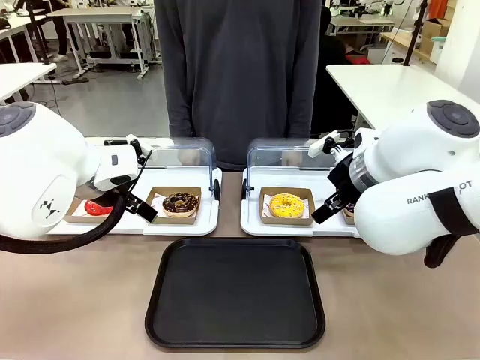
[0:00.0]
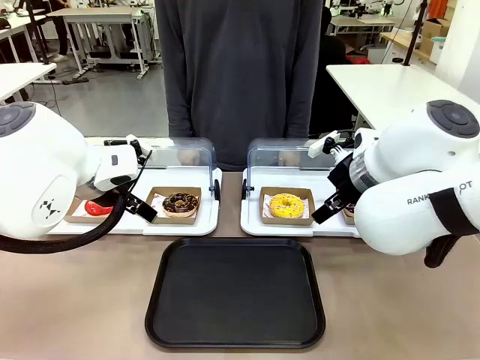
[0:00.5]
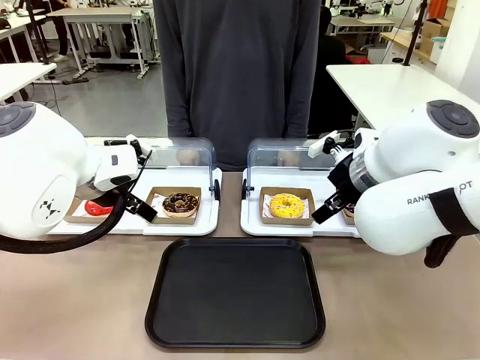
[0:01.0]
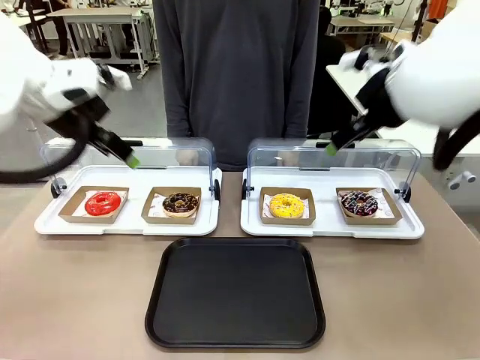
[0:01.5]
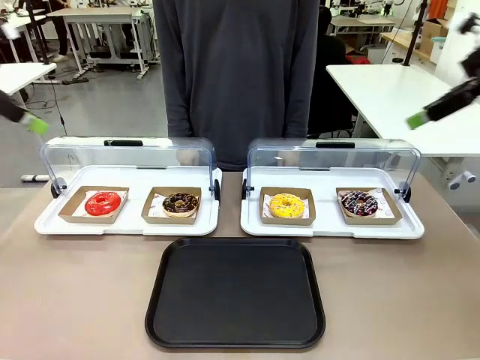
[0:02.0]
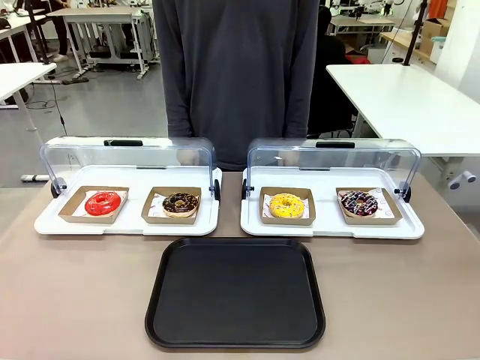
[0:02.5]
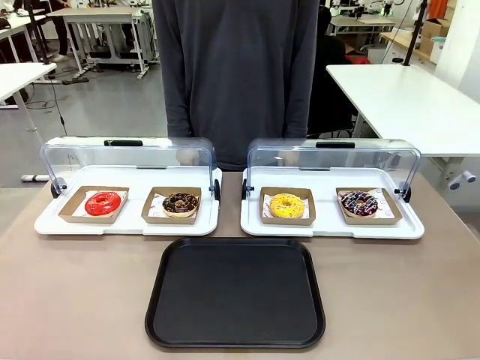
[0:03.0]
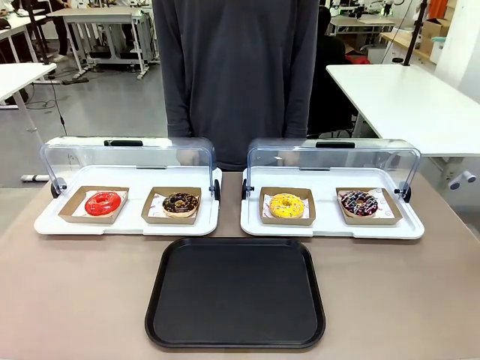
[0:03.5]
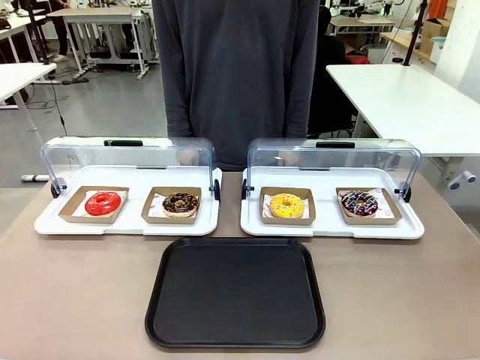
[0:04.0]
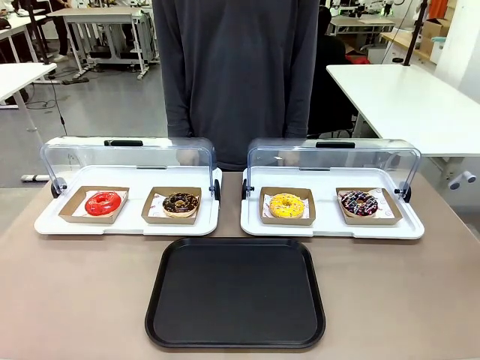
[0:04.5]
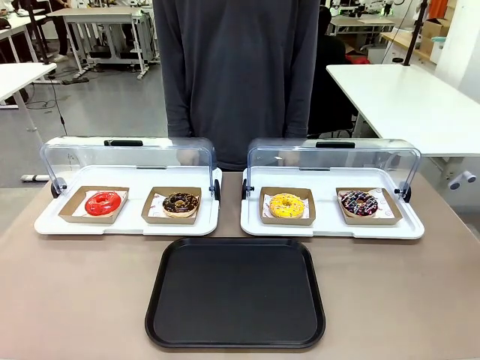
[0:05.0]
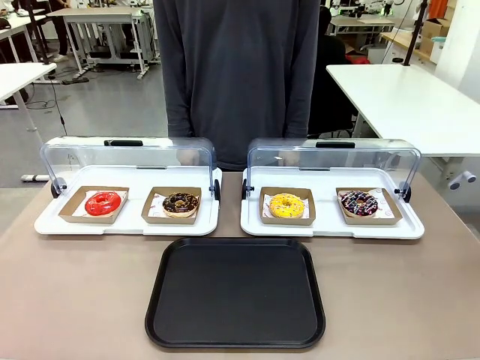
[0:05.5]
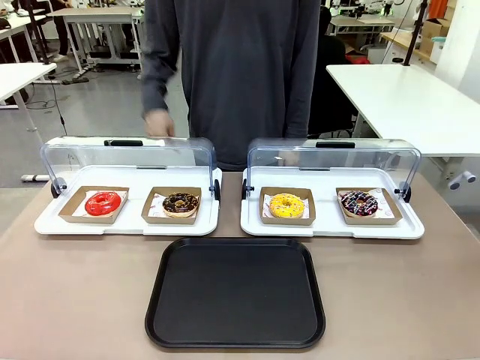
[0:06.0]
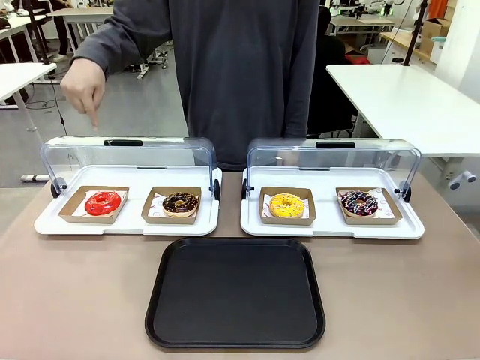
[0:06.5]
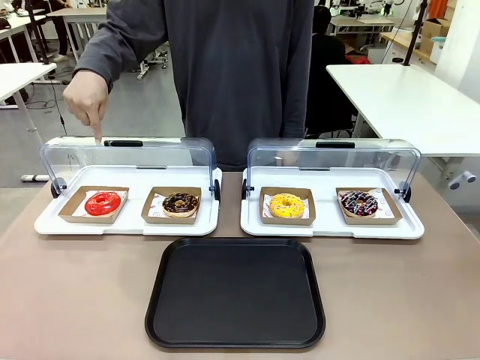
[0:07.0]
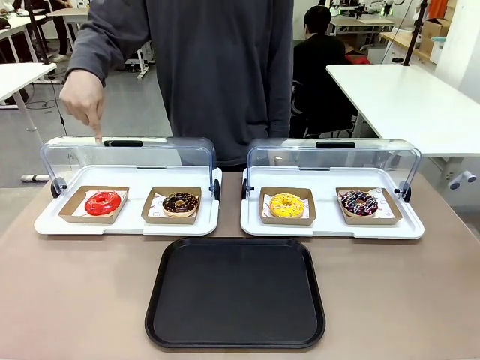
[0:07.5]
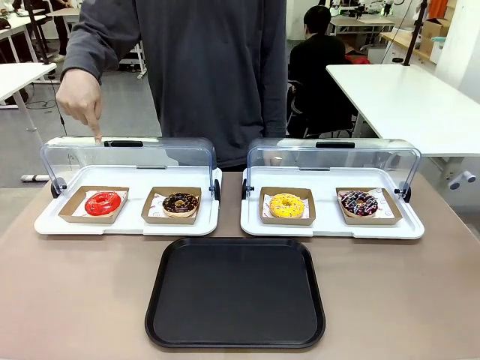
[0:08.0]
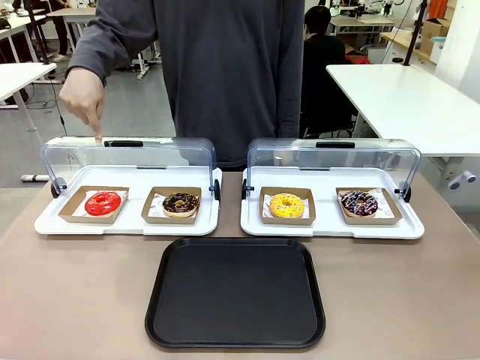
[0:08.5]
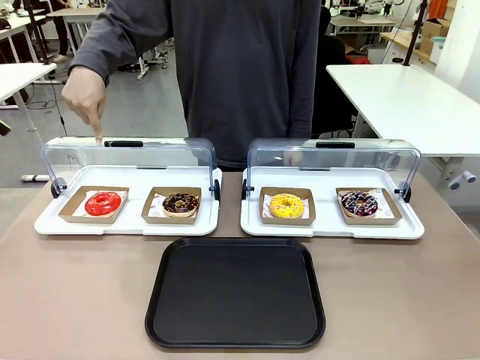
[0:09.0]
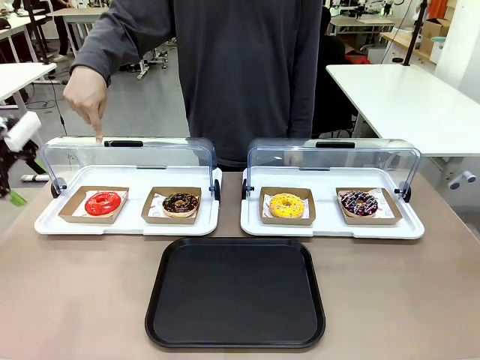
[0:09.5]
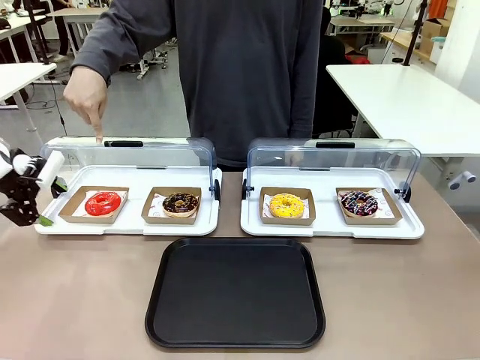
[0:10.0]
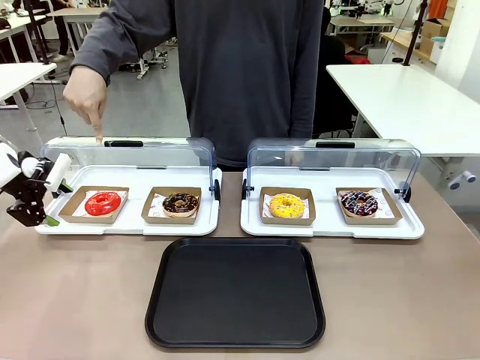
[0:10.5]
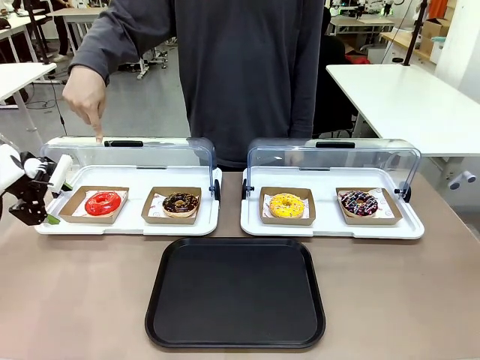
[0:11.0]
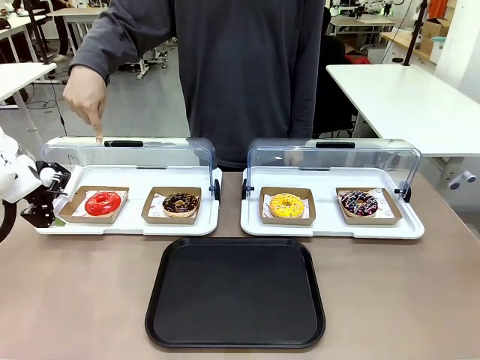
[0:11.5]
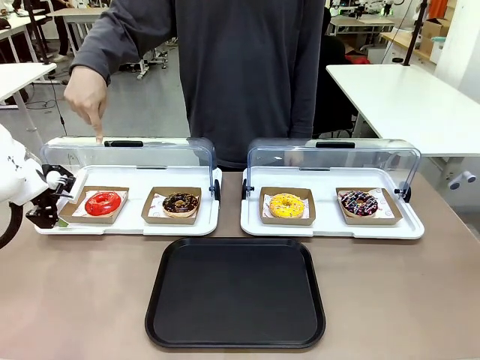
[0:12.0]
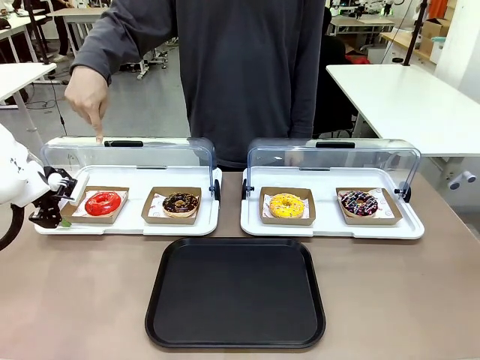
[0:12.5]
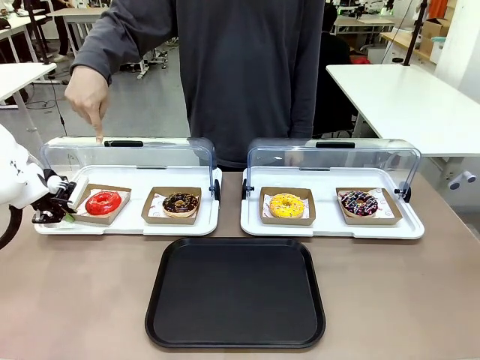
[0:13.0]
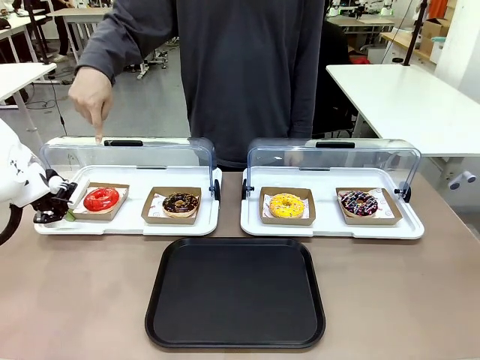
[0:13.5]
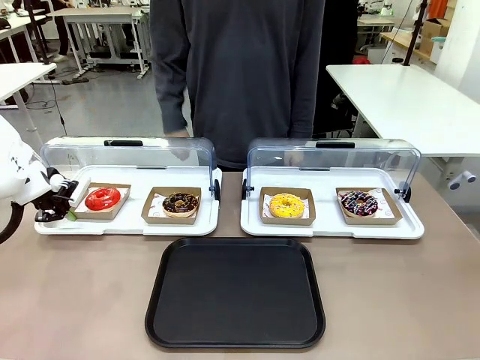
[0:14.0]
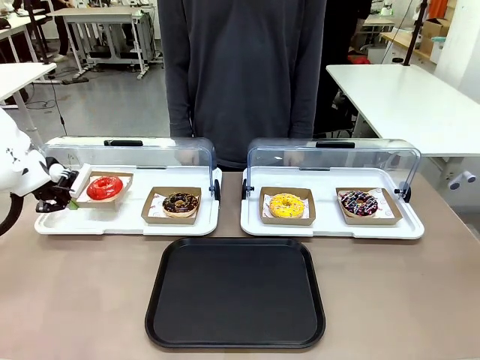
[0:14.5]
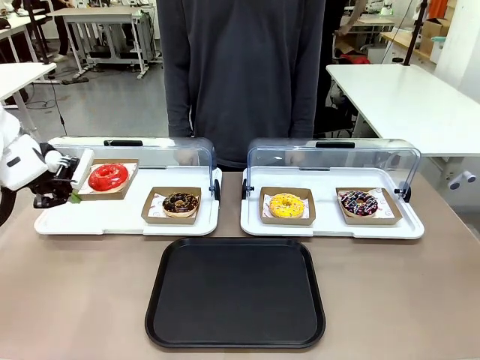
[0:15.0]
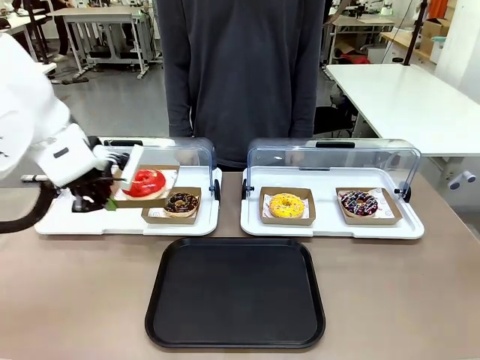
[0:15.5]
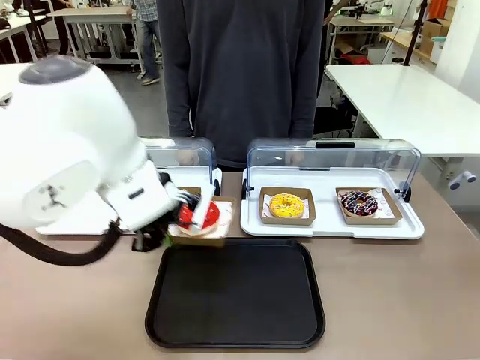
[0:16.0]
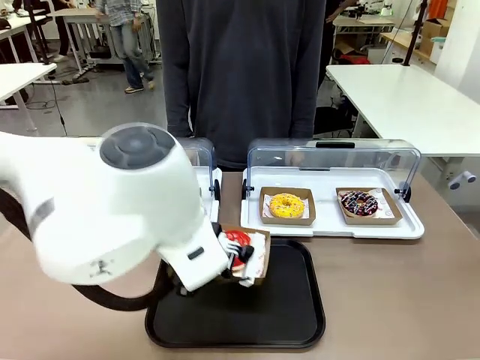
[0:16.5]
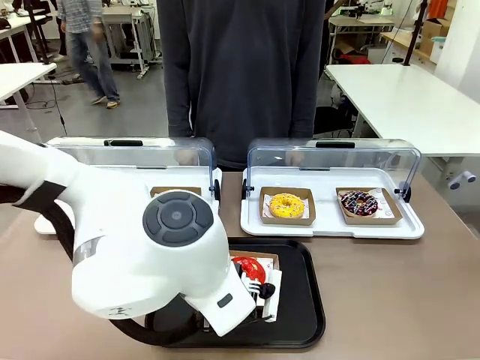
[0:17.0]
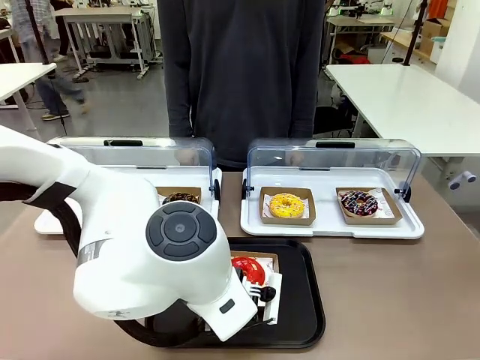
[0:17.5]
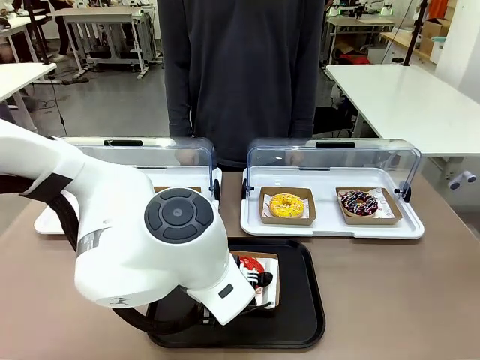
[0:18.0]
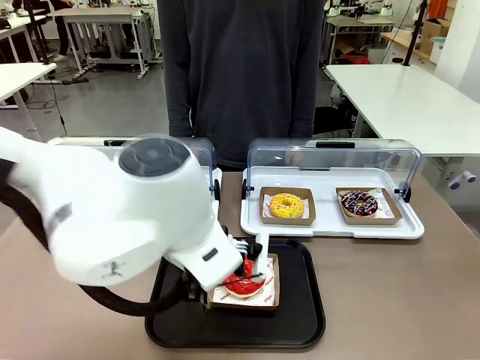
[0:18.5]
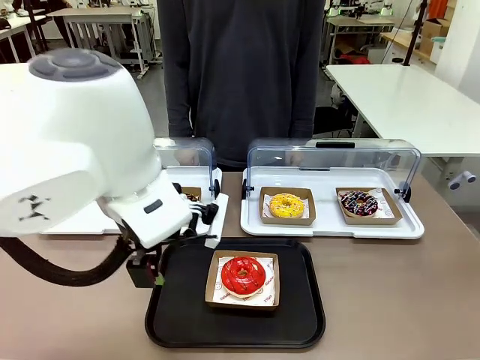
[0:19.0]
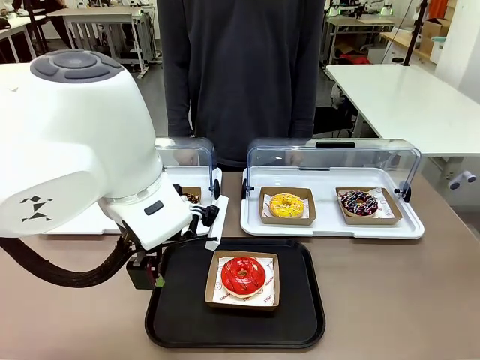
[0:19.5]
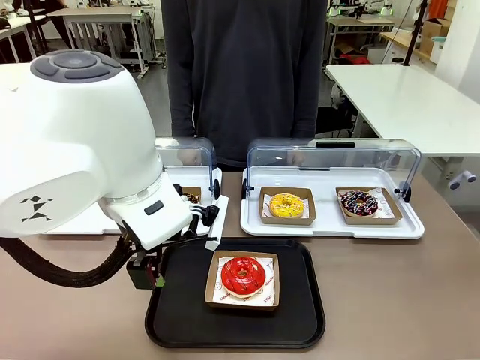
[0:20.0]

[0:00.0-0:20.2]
Task: Move the first donut from the left to the tray.
Robot: Pick up the Paper togo box containing the Donut indicated by the person and place it on the Handle tray.
Person: Points to the first donut from the left from the robot’s perspective.
